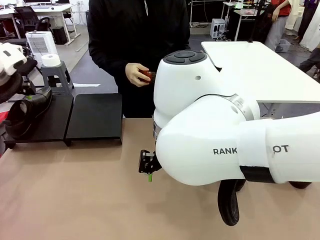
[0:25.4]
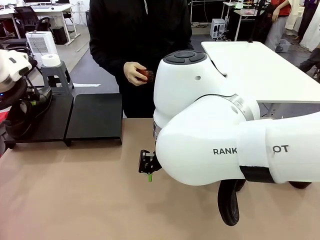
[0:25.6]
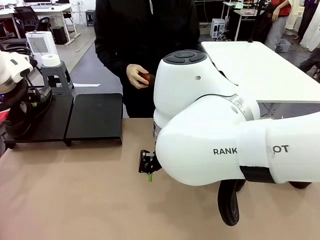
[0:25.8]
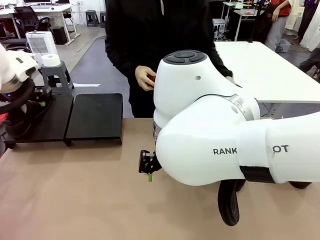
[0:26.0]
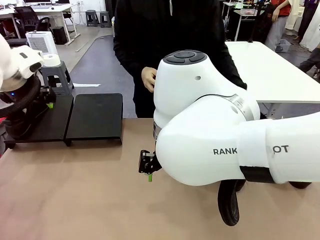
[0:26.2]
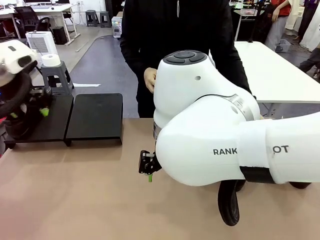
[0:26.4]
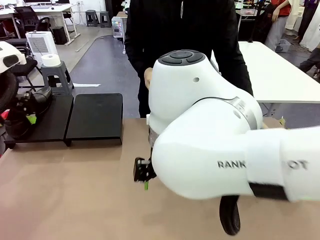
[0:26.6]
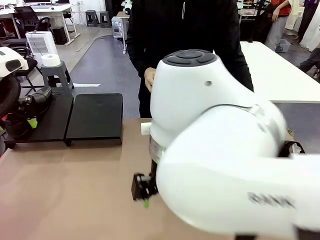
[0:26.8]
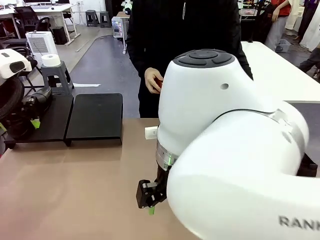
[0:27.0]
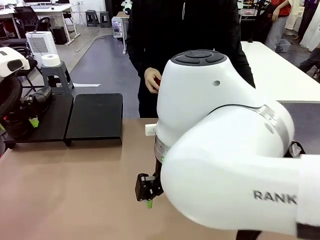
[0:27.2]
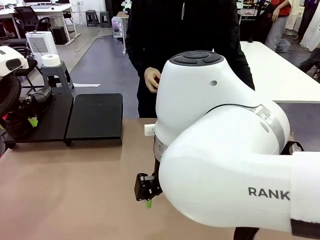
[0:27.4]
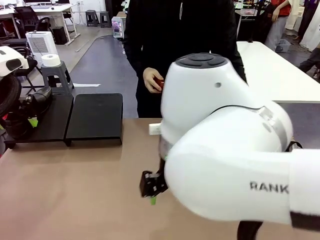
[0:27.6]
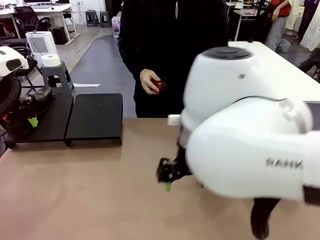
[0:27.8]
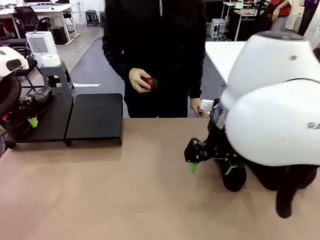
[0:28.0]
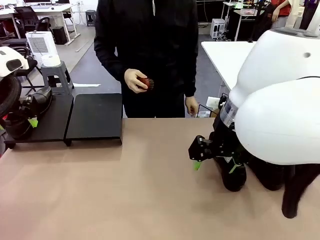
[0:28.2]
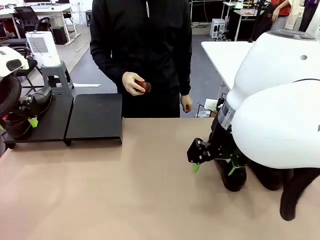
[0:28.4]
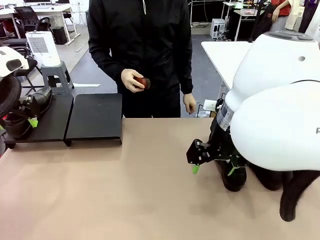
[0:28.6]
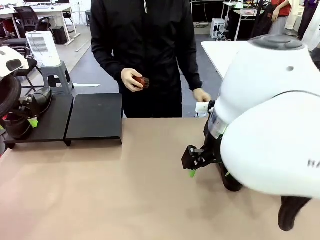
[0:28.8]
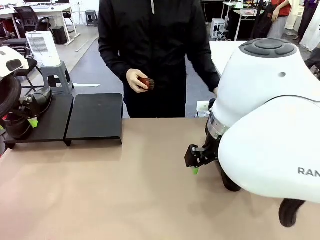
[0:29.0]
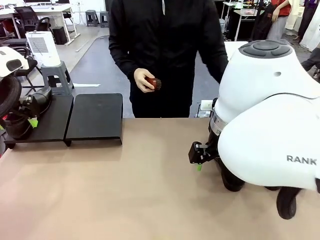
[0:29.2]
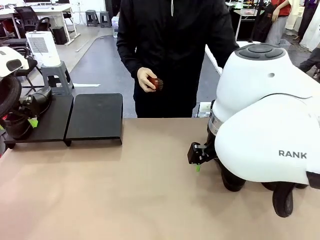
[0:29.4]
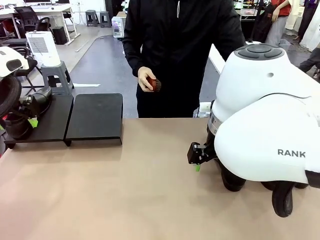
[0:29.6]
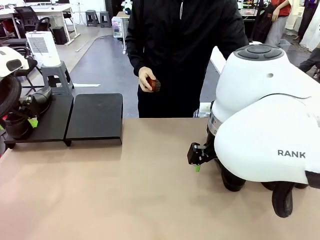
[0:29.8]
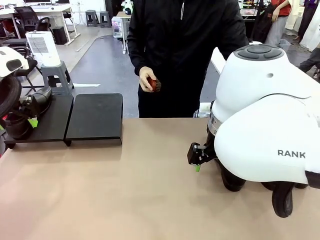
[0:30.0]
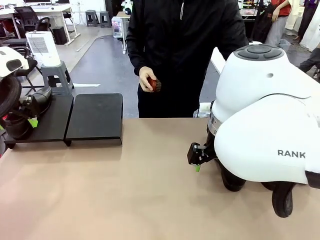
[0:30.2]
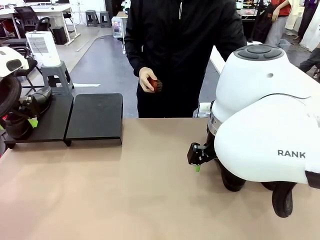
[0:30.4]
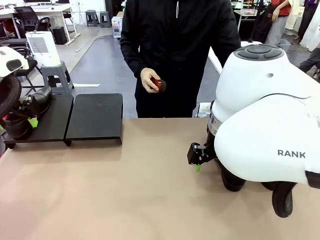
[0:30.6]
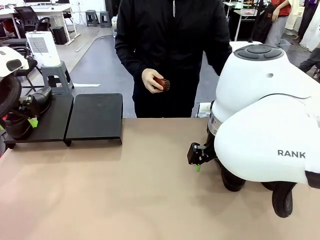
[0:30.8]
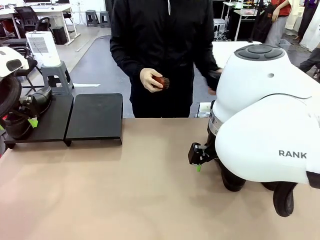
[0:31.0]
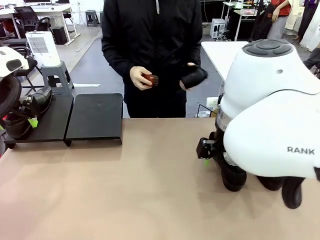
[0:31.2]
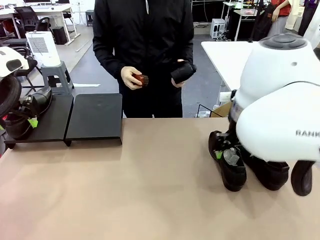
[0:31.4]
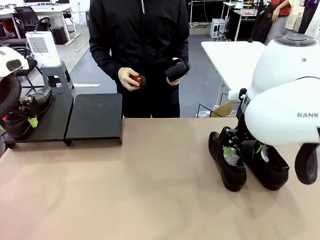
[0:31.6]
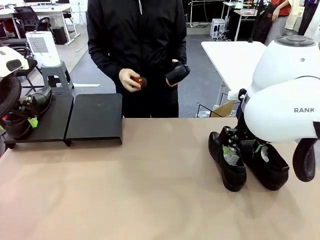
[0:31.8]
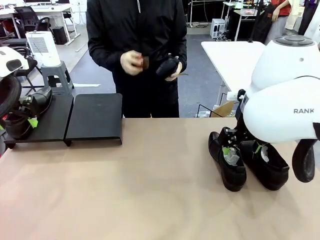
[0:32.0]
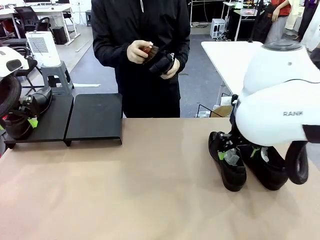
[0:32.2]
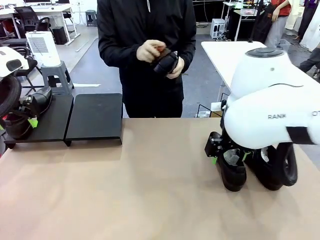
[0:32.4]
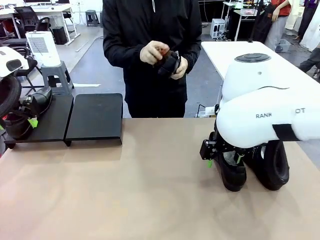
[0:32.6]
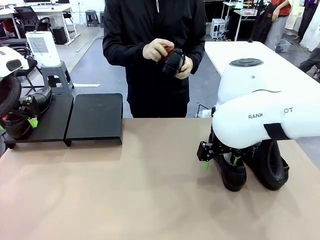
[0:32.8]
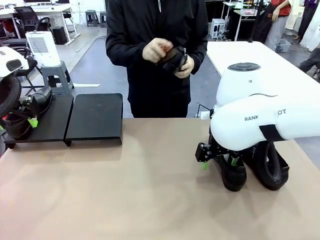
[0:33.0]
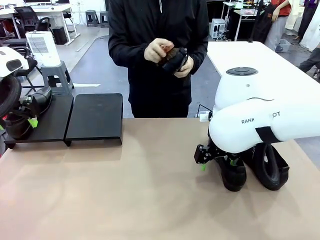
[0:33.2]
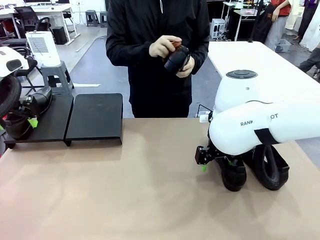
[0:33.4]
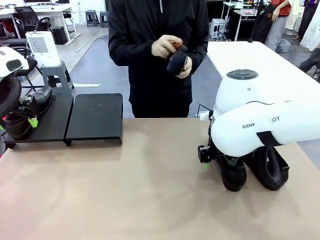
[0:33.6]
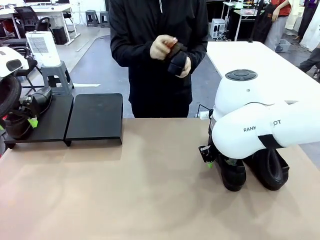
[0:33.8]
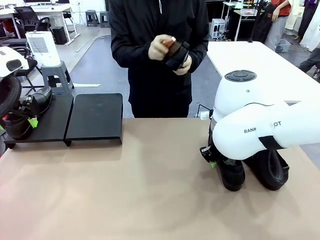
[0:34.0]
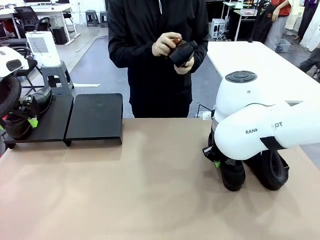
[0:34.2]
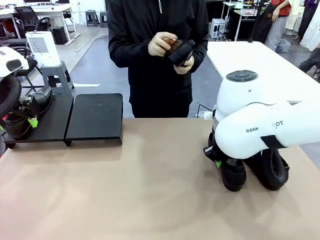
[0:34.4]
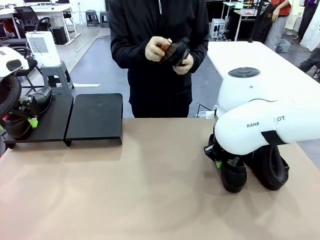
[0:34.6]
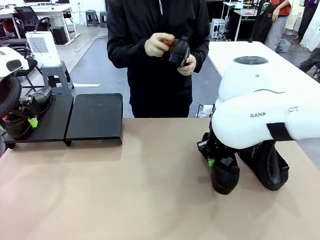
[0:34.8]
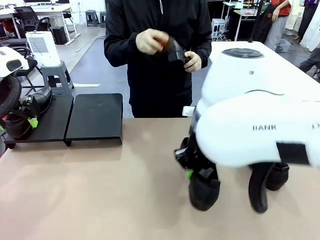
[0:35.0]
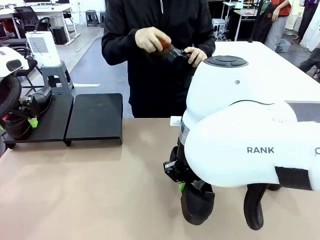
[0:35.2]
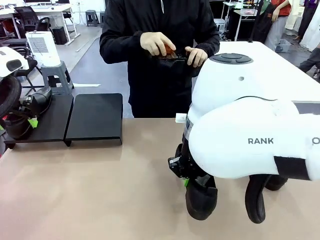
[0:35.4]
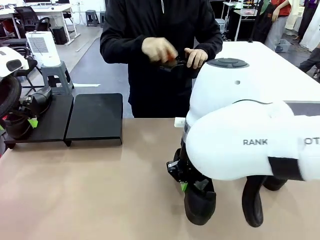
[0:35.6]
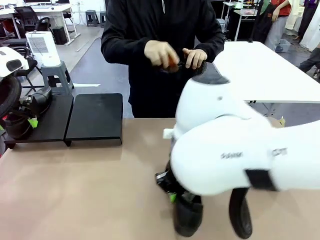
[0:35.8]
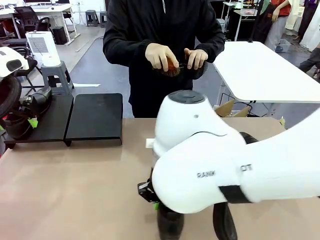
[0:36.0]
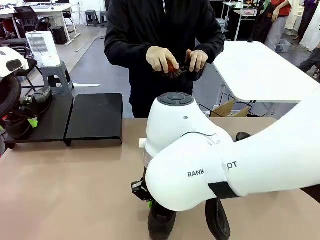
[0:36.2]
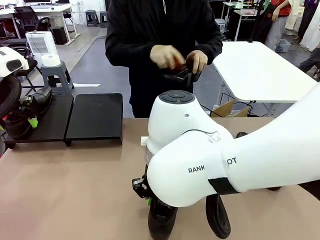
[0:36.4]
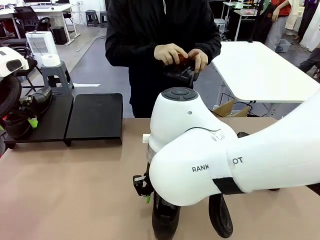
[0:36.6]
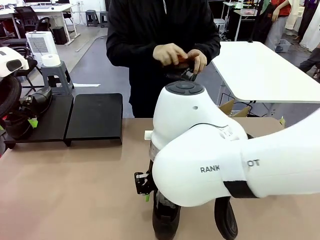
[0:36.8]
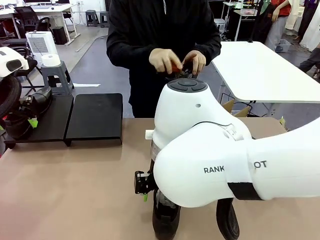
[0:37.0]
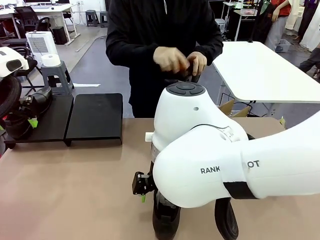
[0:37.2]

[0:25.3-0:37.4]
Task: Organize the shoes by placing them on the stand.
Robot: Pick up one Shoe and place it in the middle of the table.
Person: Place the Shoe on left side of the Robot's table. Pick one Shoe on Robot's table.

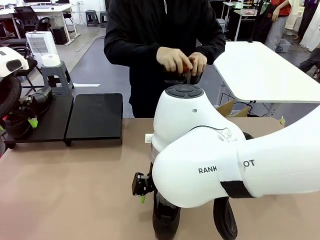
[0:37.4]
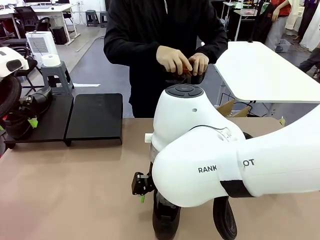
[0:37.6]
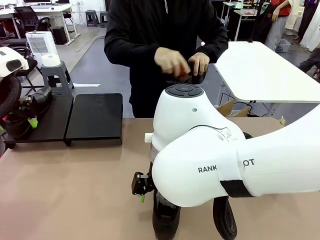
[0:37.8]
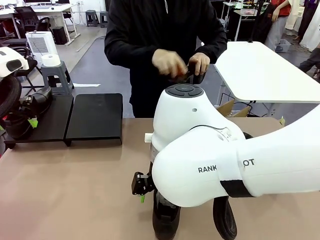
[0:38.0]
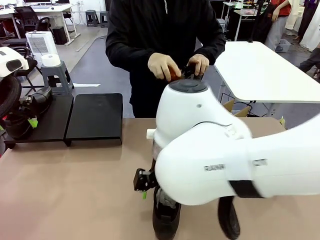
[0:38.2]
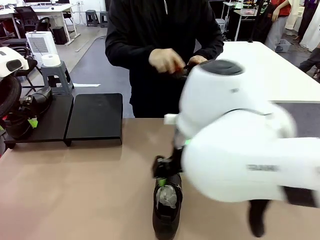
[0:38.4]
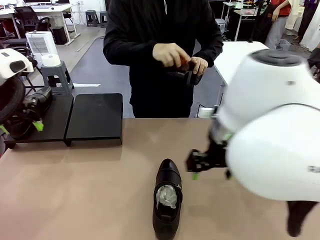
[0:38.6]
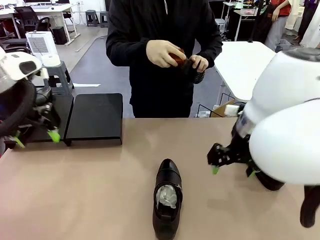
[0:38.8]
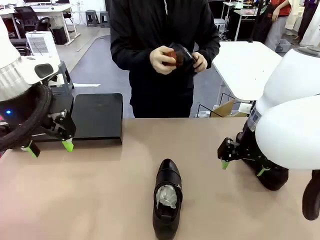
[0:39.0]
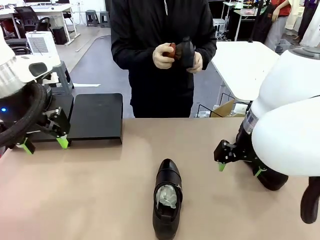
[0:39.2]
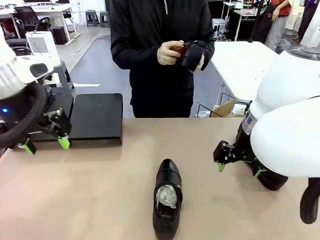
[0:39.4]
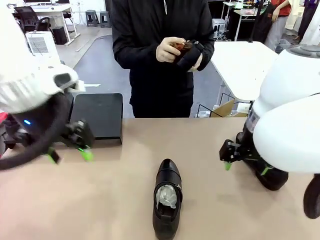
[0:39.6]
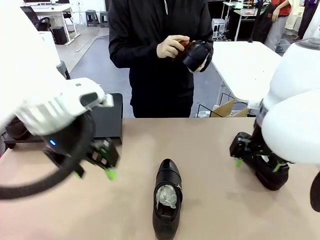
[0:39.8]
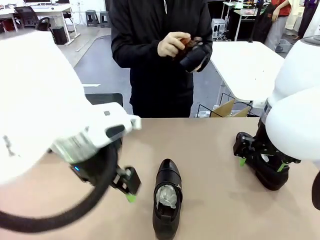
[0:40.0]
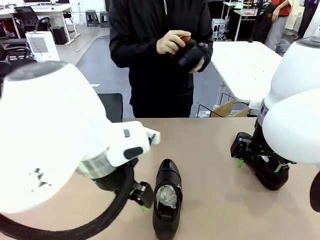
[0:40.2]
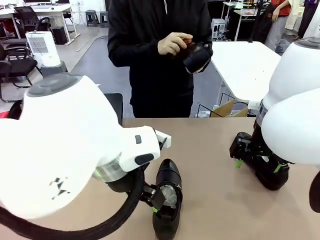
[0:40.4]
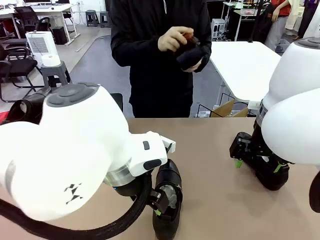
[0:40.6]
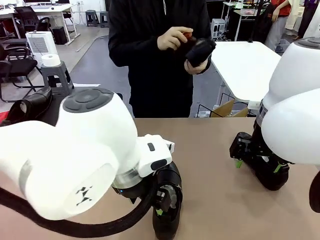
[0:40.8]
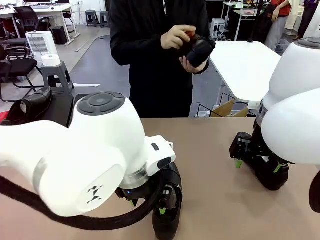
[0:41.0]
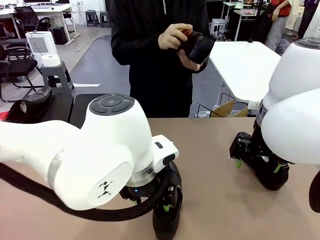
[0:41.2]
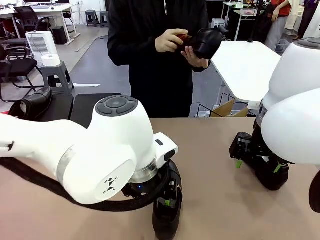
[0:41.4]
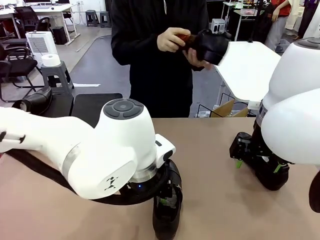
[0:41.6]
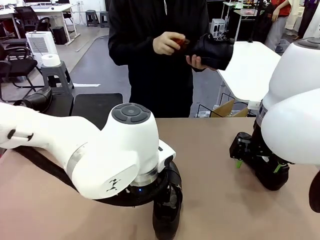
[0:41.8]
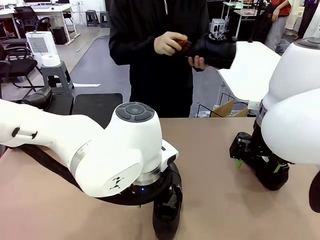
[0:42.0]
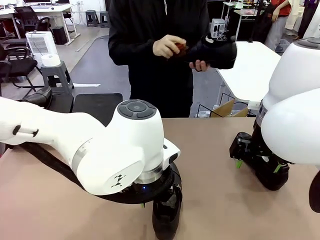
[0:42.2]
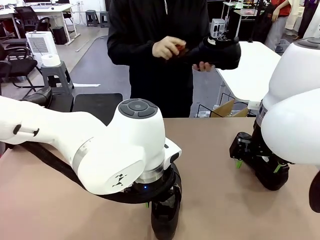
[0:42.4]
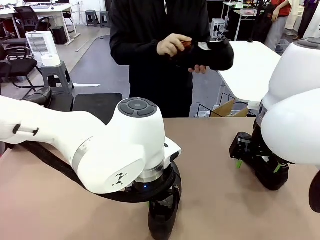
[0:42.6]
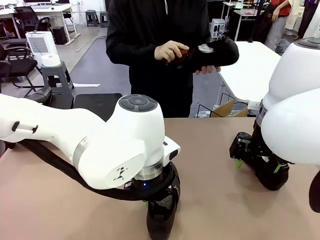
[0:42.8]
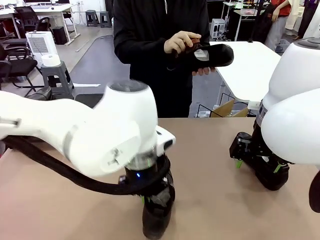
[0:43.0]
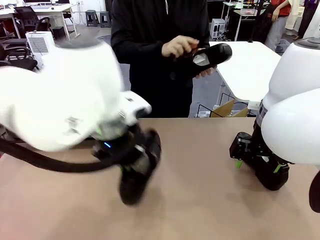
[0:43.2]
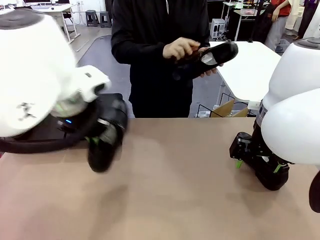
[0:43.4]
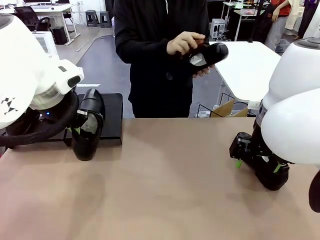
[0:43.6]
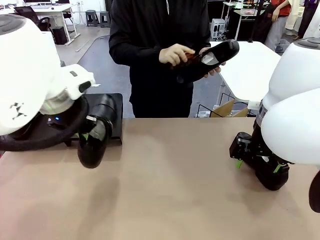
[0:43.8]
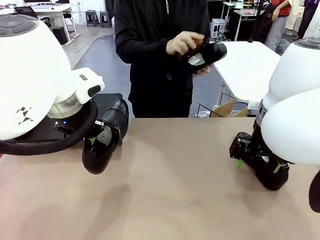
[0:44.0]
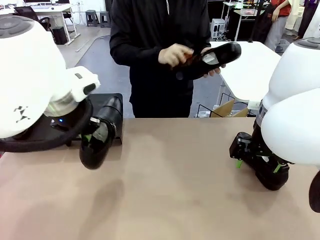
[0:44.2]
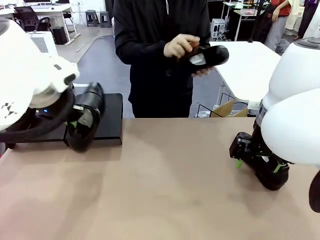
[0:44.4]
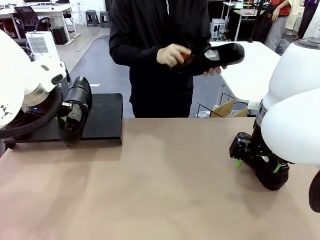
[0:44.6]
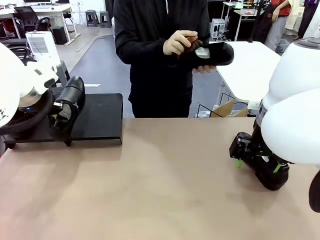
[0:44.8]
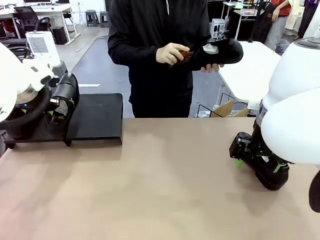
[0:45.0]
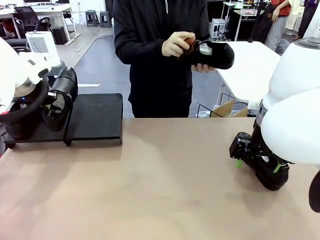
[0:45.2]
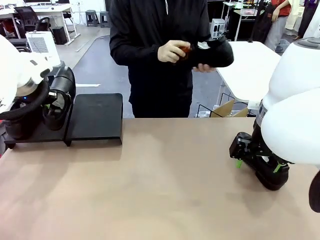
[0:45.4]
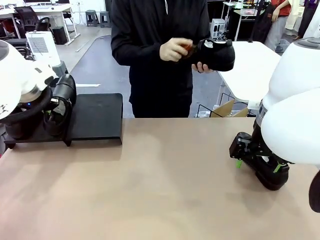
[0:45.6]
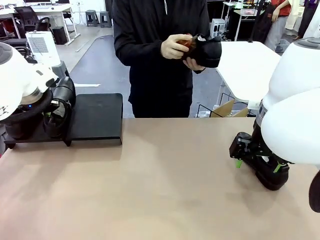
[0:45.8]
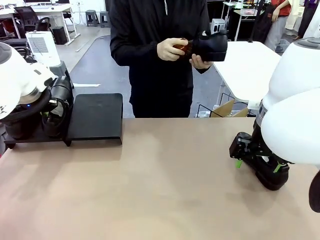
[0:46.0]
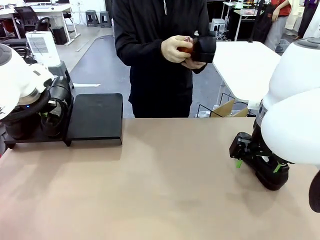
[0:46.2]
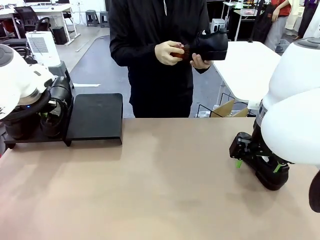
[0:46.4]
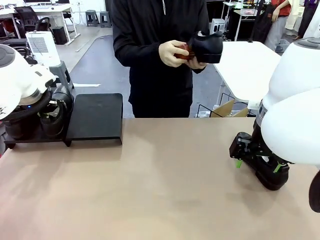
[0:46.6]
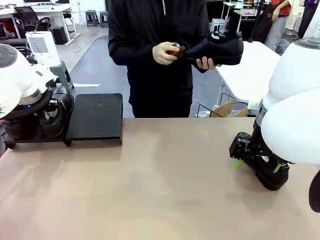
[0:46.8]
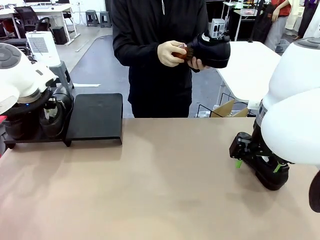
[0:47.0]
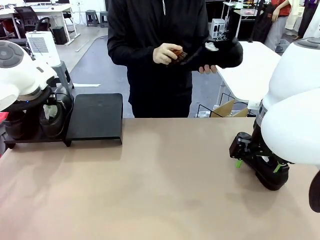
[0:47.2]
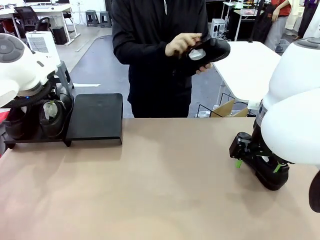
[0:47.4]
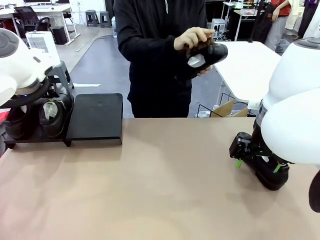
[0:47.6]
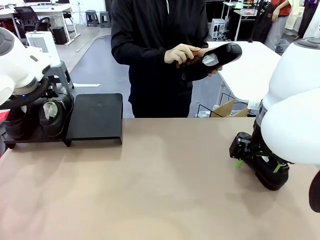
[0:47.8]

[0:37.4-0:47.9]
Robot: Place the Shoe from the middle of the table onto the Shoes Stand.
Person: Clean the Shoe with the Shoe Brush.
